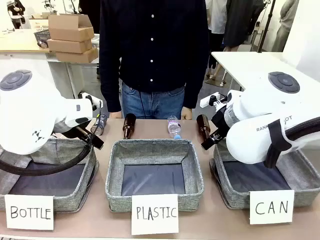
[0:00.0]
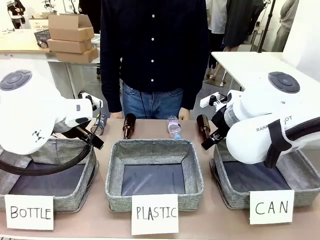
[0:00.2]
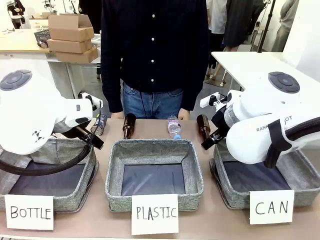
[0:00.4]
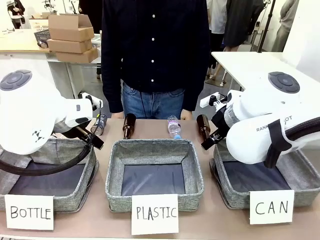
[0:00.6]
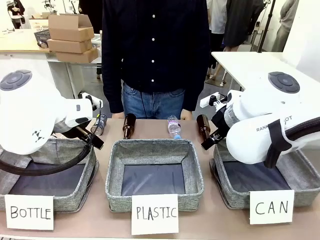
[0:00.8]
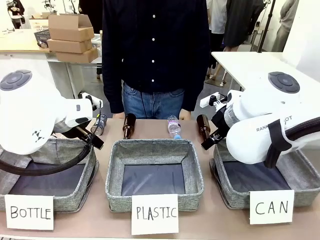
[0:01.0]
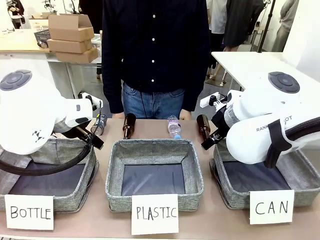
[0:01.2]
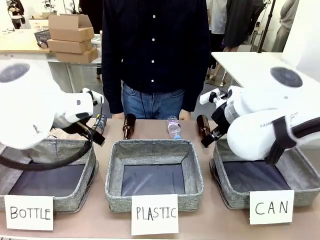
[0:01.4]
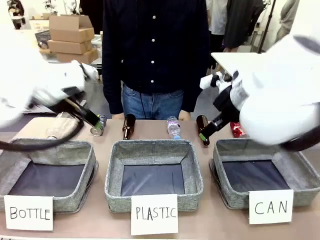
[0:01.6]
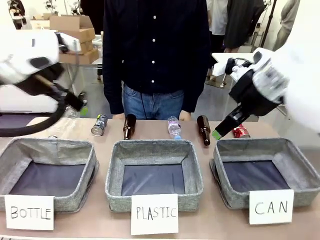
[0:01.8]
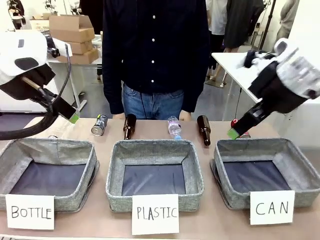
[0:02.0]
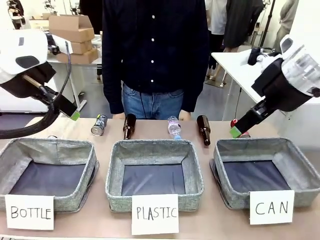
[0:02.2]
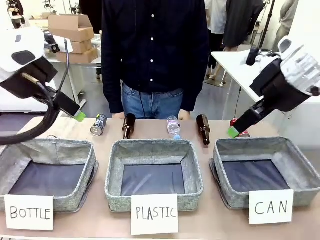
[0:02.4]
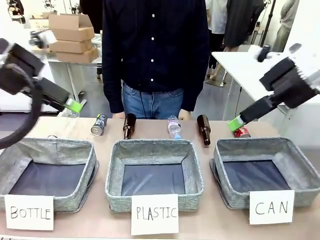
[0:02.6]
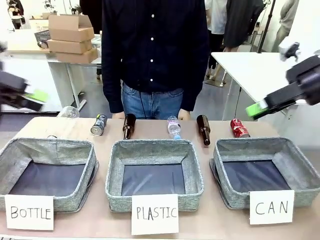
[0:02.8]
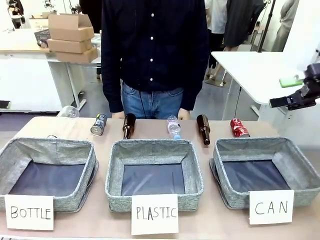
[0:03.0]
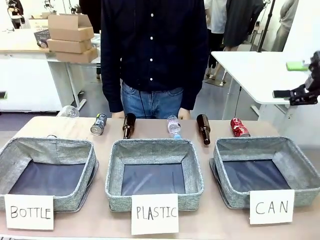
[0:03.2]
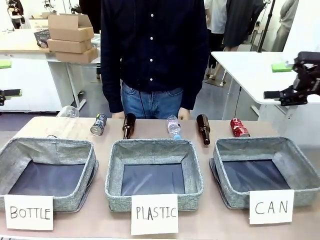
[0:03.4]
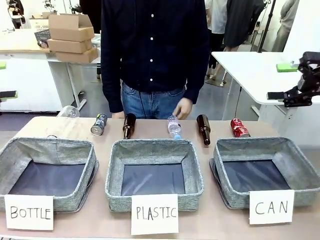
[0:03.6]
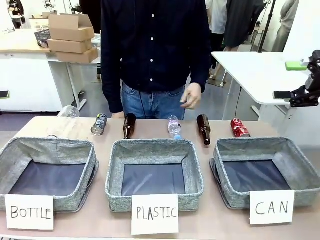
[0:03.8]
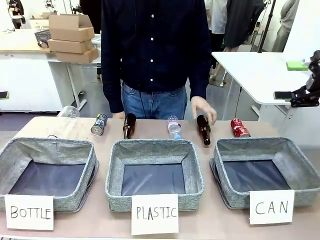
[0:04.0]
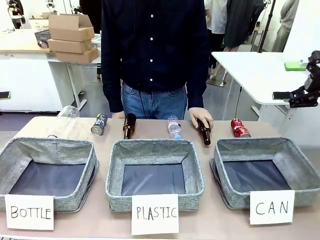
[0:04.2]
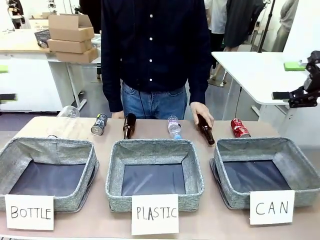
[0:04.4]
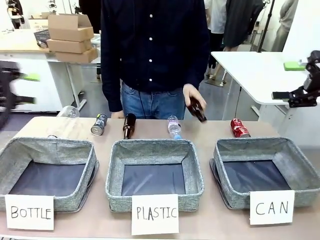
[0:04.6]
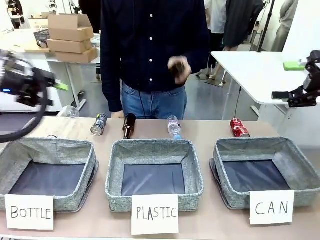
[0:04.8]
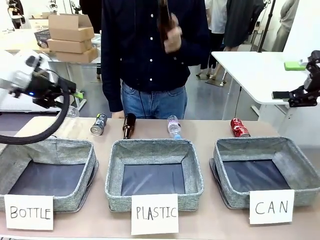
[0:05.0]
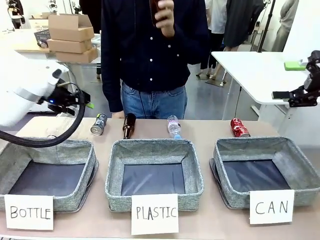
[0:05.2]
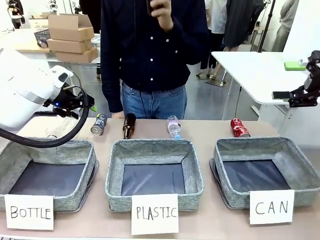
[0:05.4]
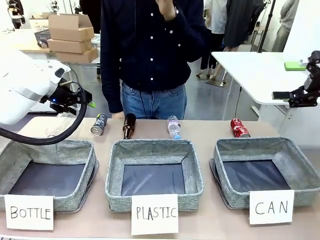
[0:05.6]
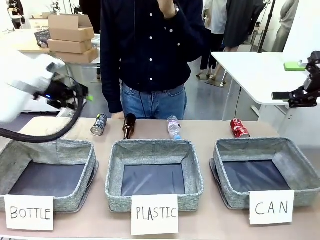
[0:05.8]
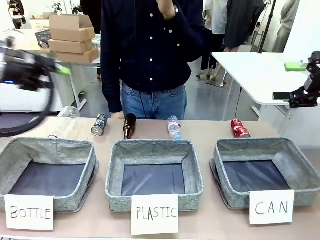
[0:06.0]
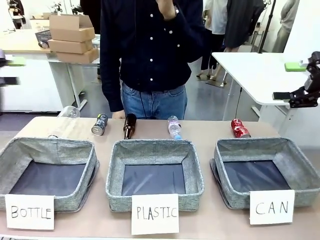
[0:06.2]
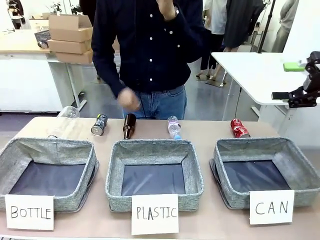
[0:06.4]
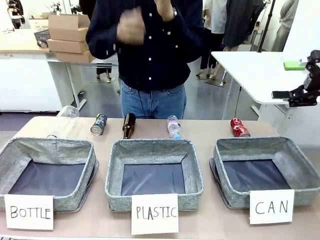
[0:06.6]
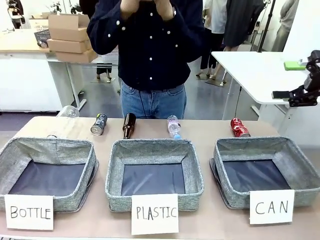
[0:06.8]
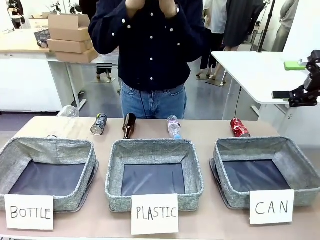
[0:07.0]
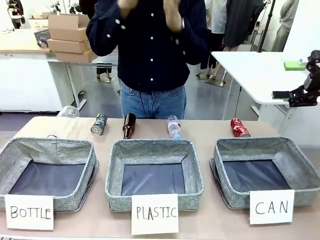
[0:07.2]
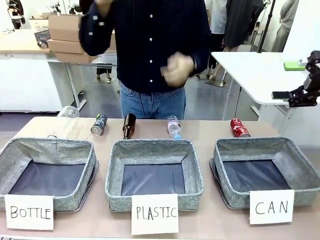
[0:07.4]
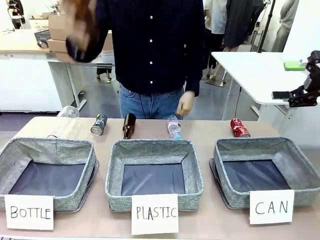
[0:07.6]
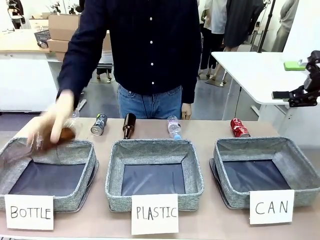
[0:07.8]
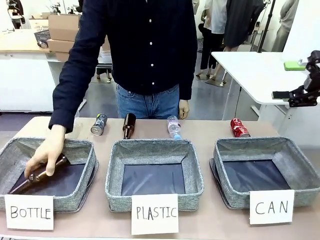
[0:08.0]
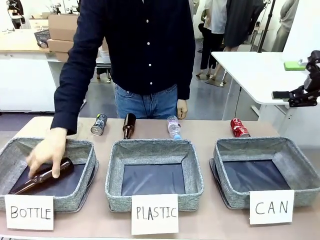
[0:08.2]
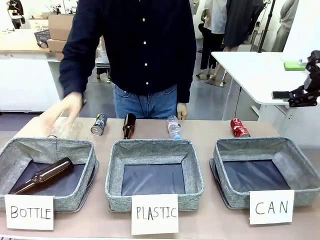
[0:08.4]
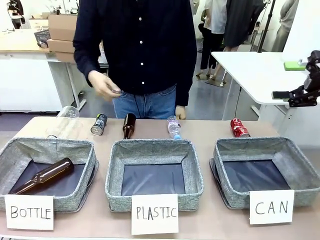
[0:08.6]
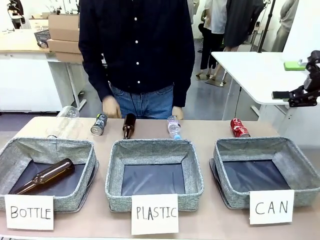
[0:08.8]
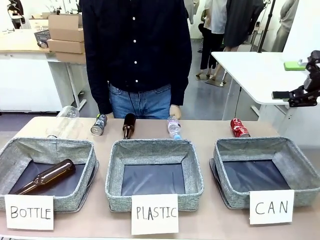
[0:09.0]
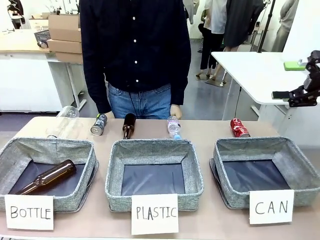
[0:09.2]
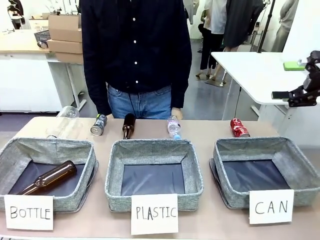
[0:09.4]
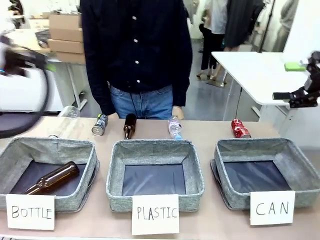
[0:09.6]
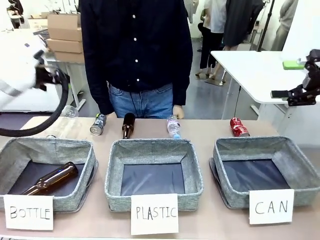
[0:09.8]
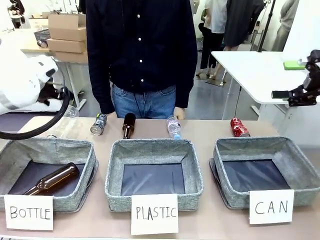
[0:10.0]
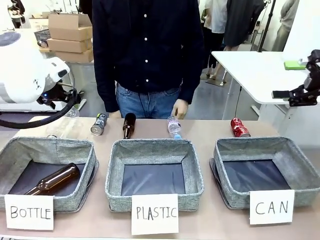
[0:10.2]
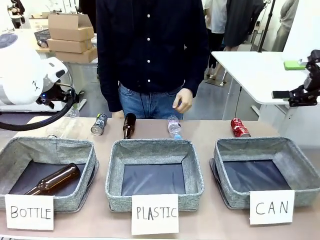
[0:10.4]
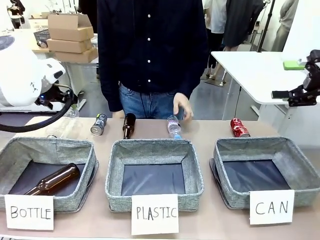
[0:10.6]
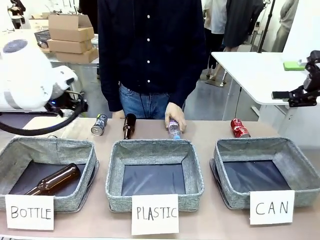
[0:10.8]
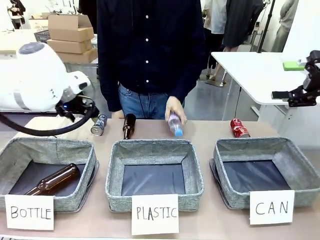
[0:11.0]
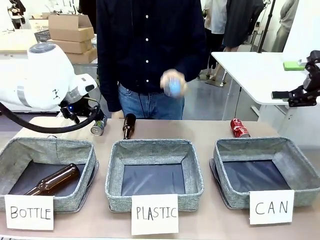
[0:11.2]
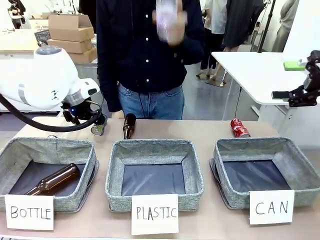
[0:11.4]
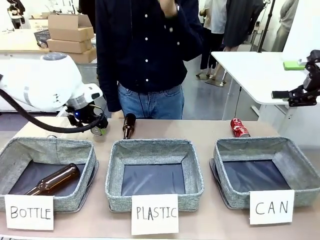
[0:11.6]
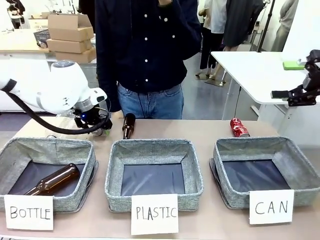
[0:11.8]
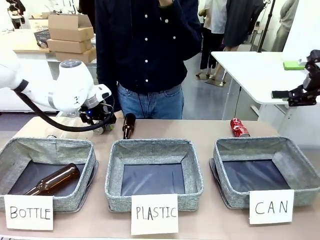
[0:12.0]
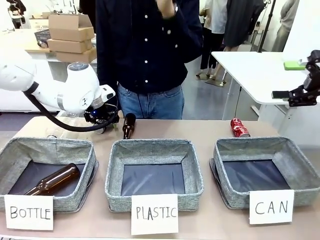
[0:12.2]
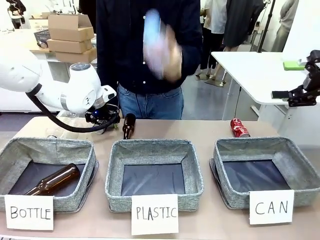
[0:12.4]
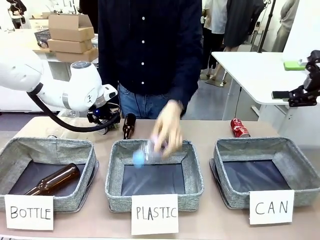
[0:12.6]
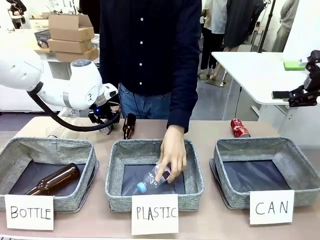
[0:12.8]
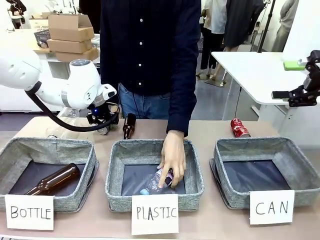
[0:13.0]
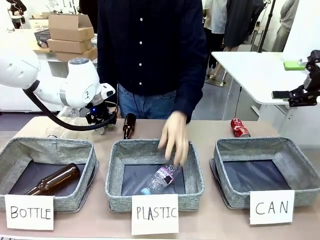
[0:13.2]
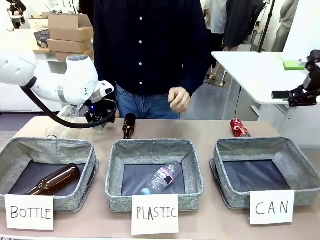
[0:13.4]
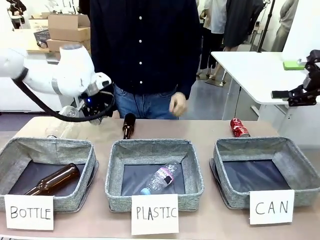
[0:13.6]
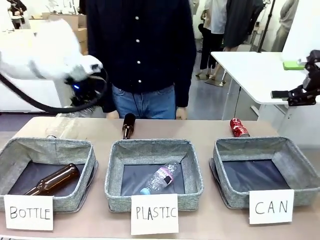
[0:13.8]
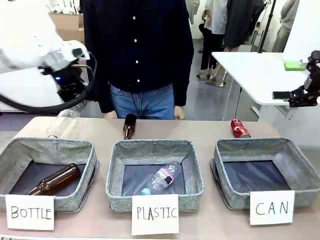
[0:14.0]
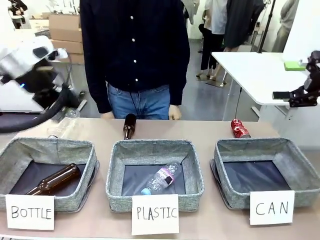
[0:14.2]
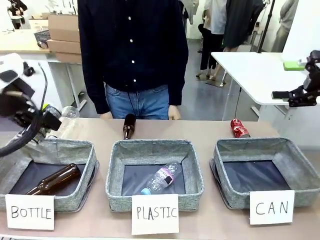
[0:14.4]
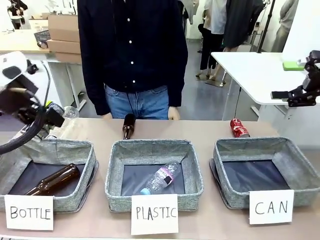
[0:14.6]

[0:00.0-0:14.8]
Task: Sort the can waste into the basket.
Robot: Pick up the can waste from the table and place it in the right Fabric basket.
